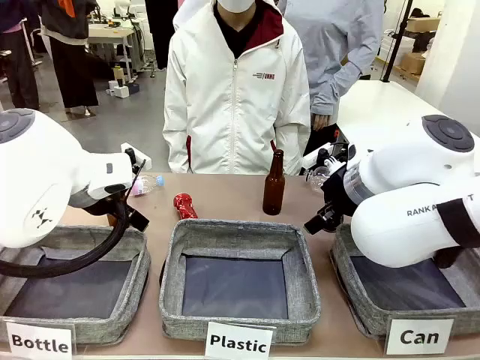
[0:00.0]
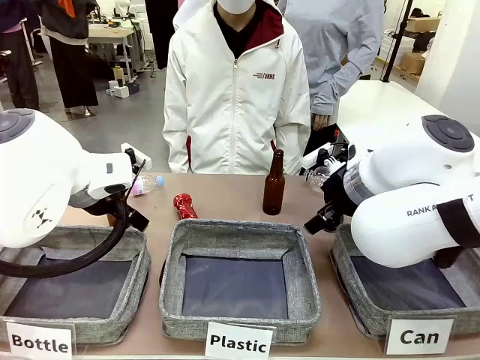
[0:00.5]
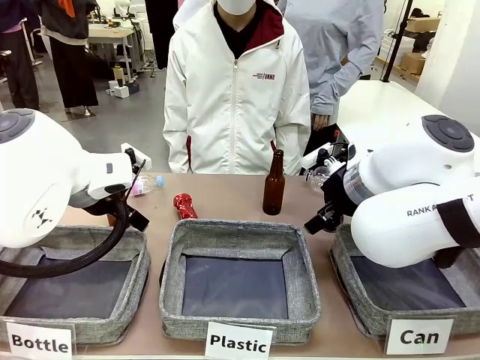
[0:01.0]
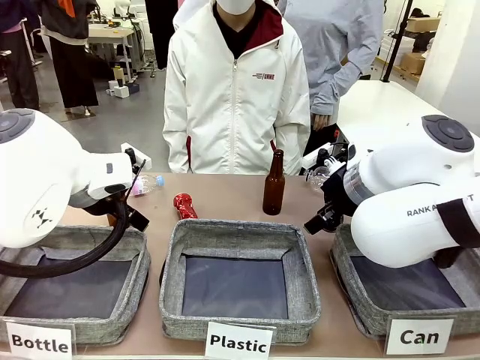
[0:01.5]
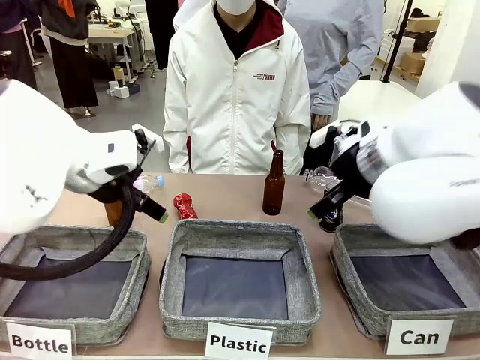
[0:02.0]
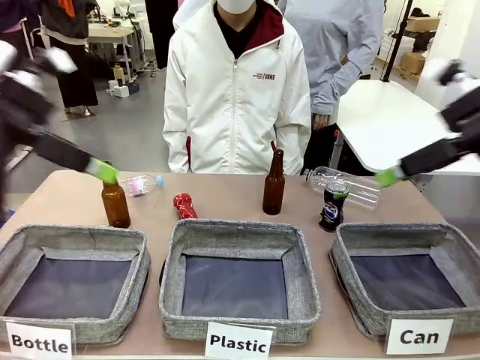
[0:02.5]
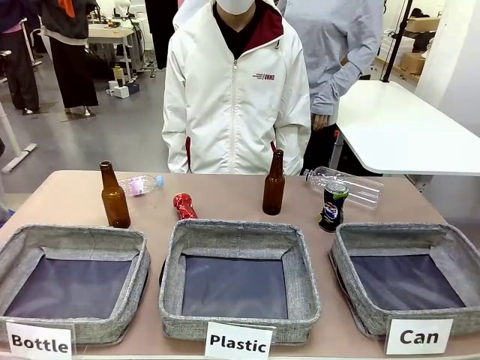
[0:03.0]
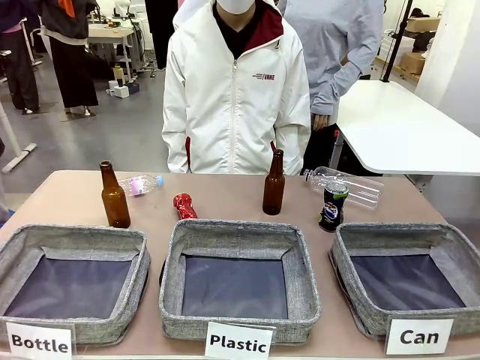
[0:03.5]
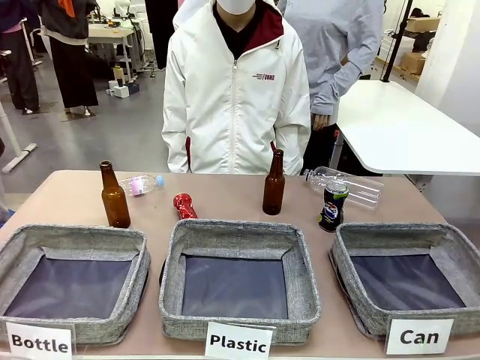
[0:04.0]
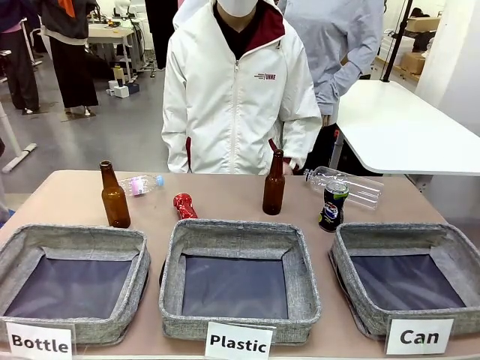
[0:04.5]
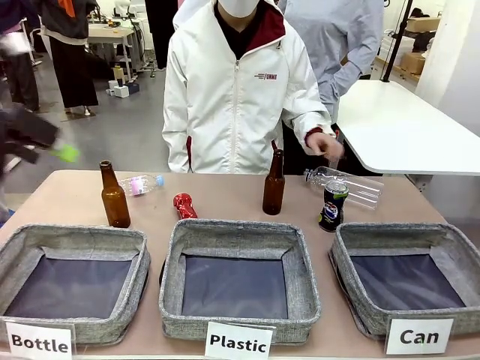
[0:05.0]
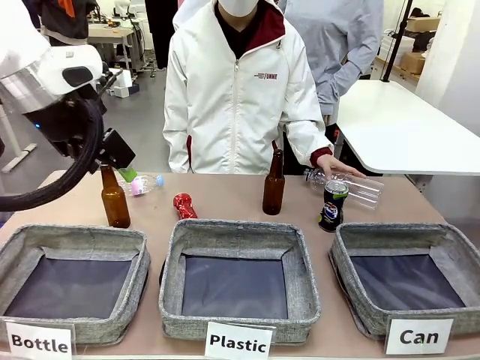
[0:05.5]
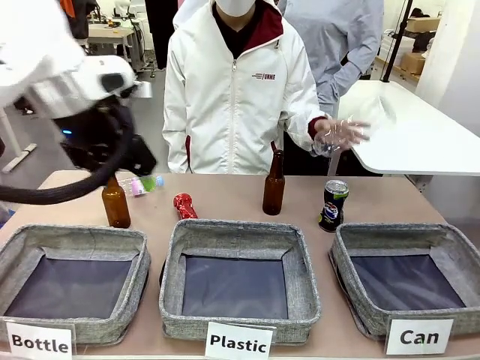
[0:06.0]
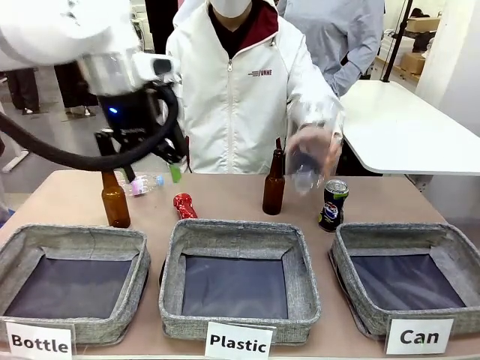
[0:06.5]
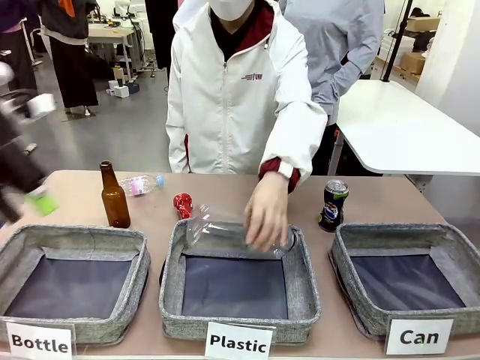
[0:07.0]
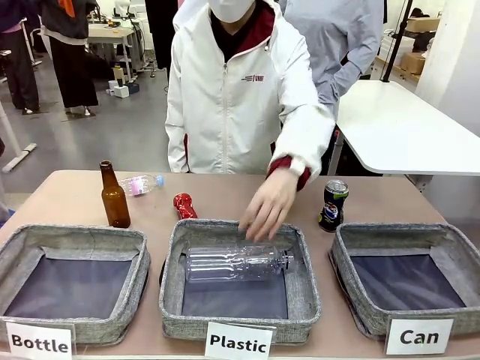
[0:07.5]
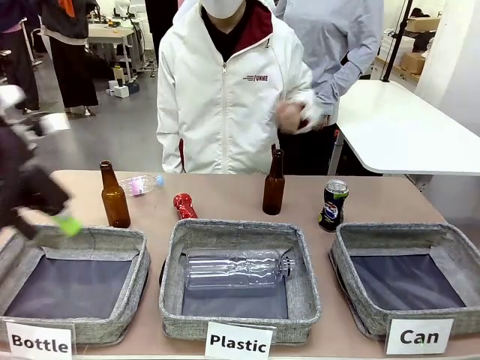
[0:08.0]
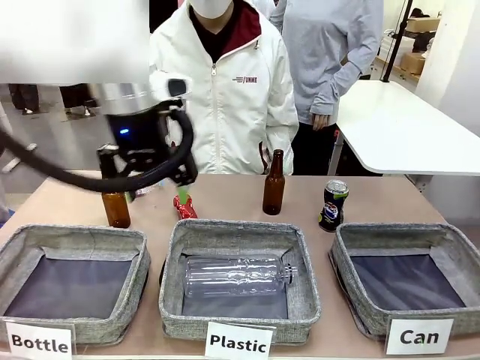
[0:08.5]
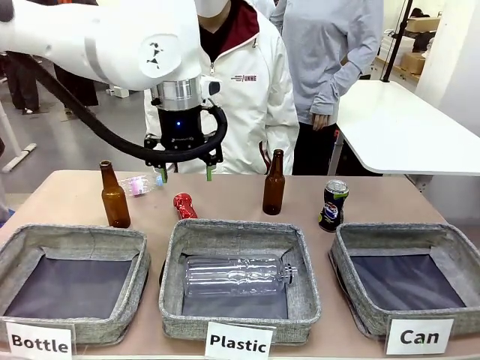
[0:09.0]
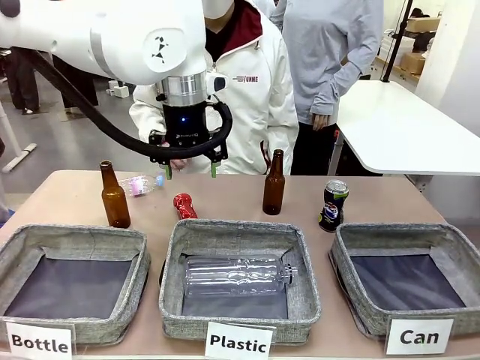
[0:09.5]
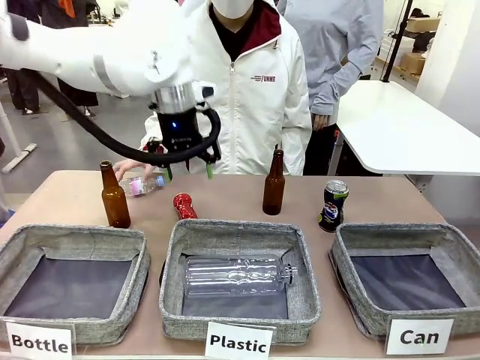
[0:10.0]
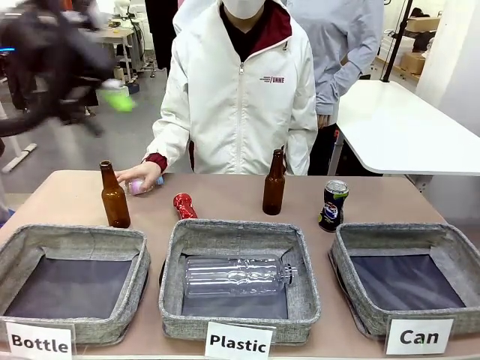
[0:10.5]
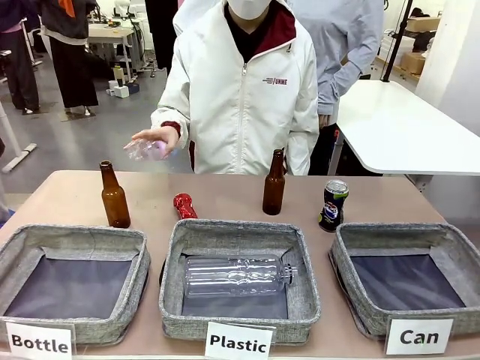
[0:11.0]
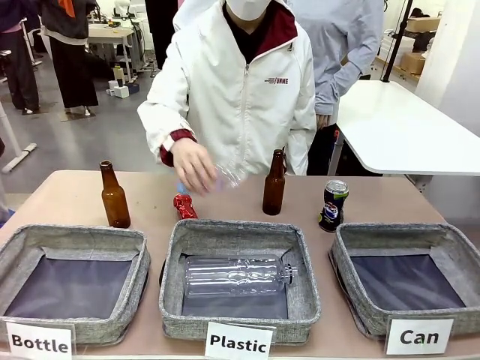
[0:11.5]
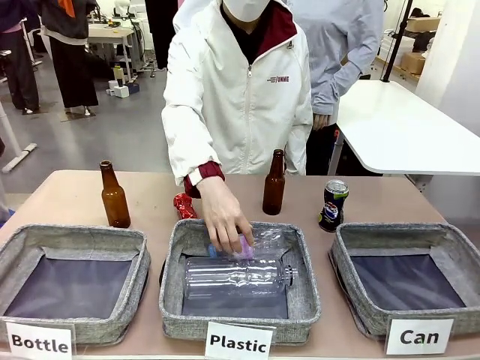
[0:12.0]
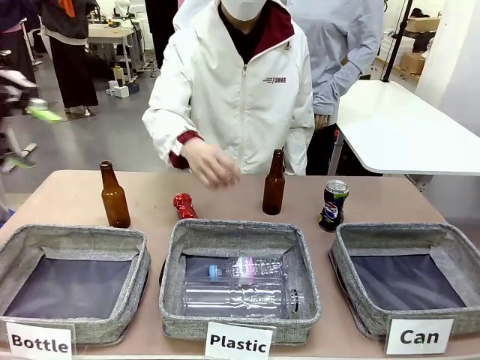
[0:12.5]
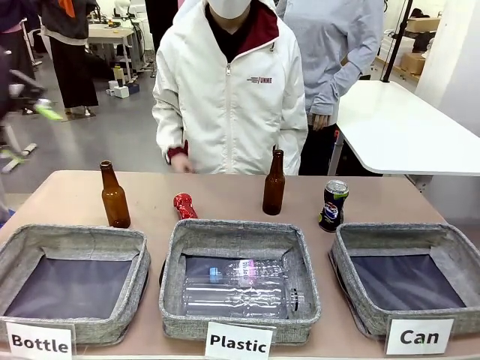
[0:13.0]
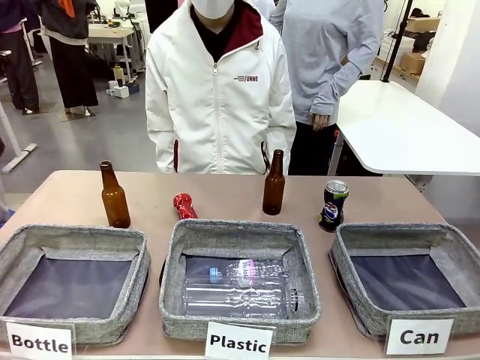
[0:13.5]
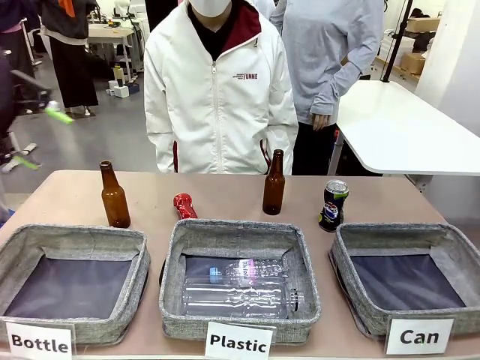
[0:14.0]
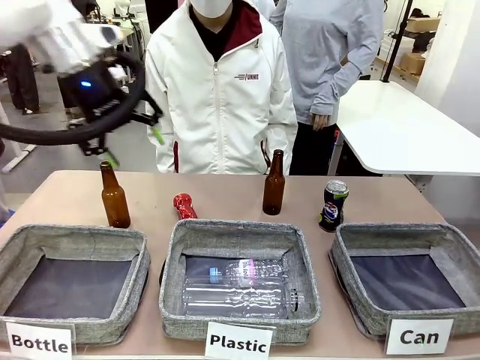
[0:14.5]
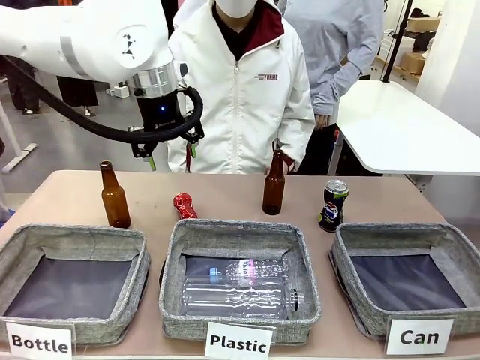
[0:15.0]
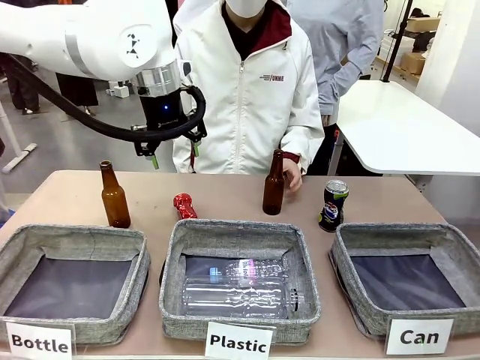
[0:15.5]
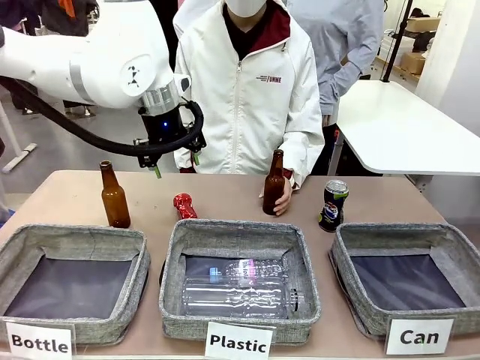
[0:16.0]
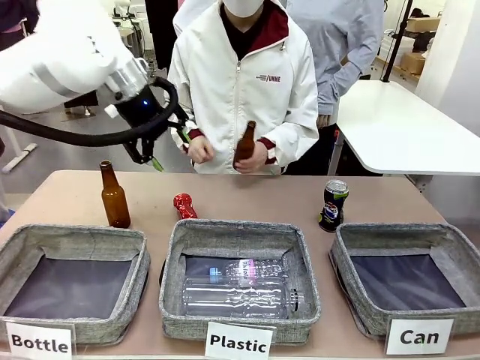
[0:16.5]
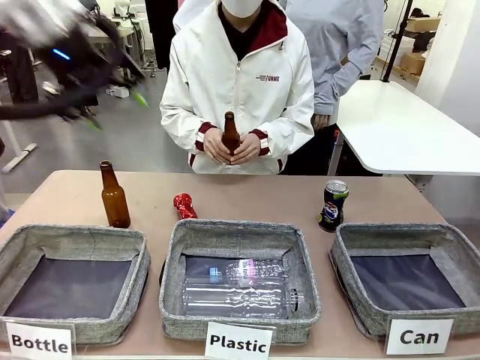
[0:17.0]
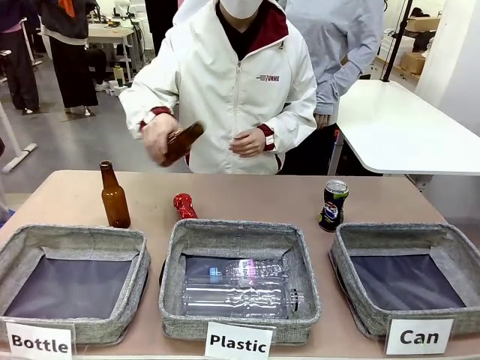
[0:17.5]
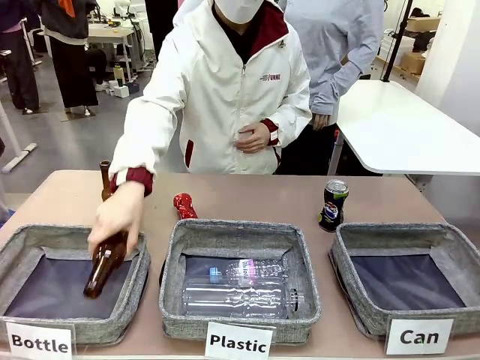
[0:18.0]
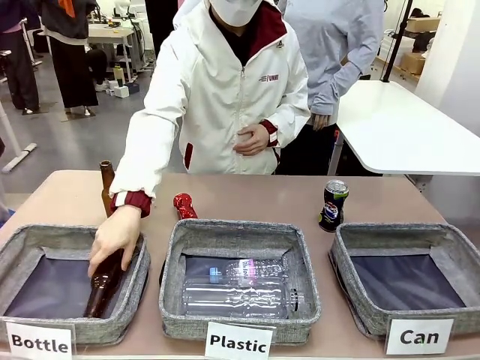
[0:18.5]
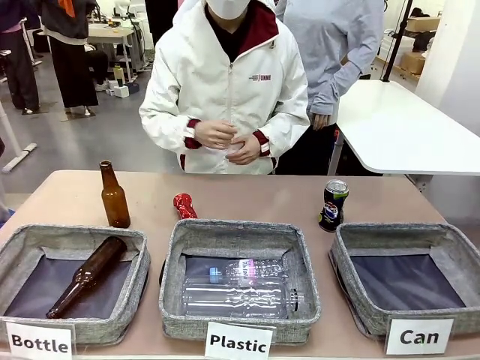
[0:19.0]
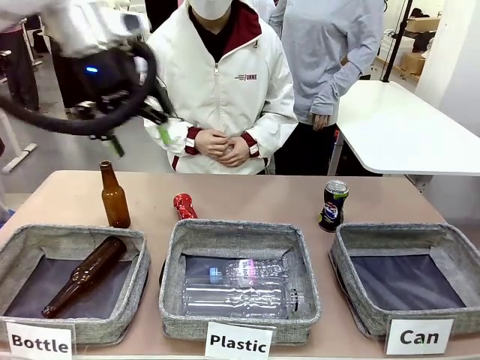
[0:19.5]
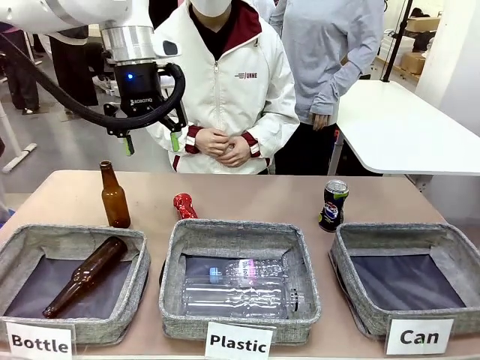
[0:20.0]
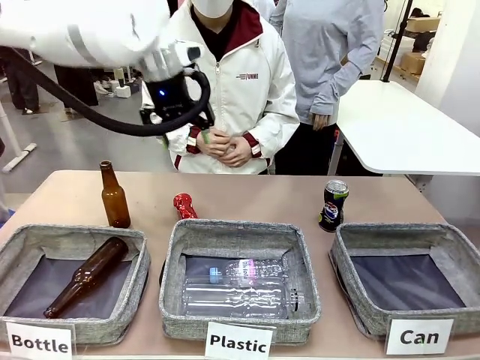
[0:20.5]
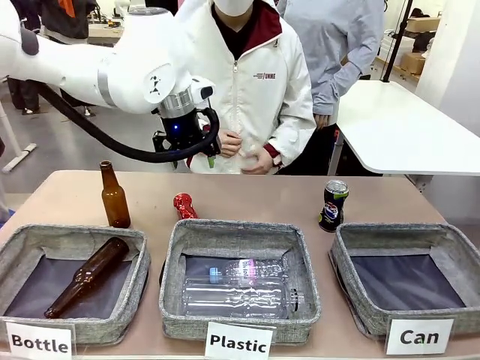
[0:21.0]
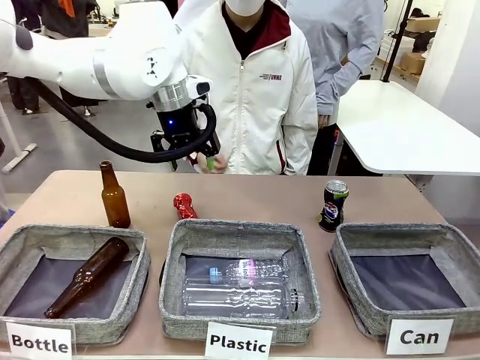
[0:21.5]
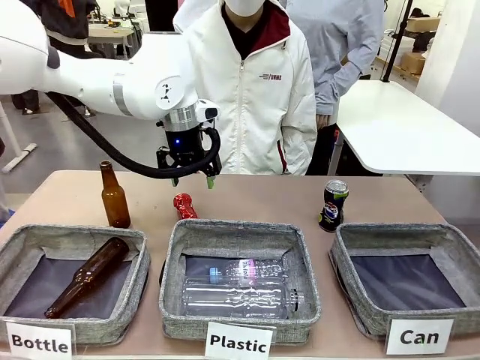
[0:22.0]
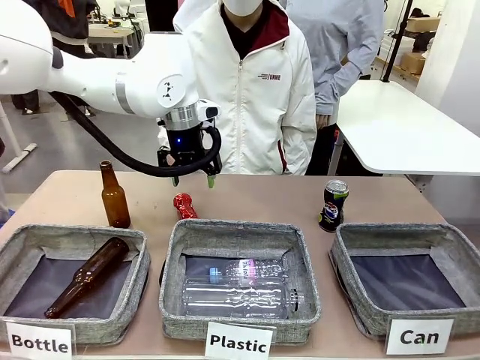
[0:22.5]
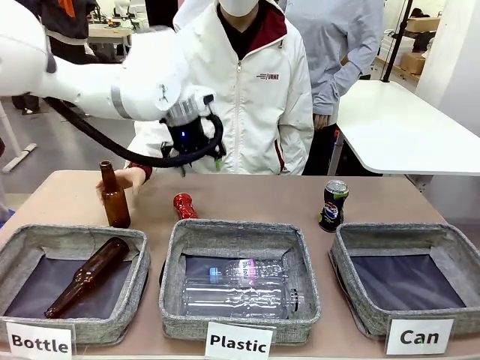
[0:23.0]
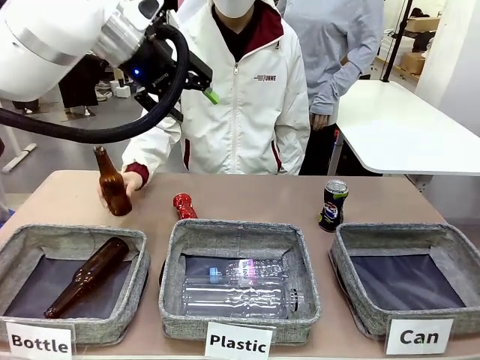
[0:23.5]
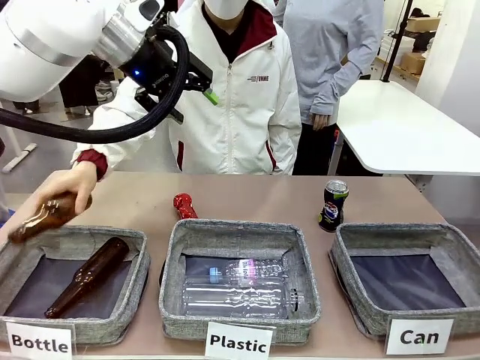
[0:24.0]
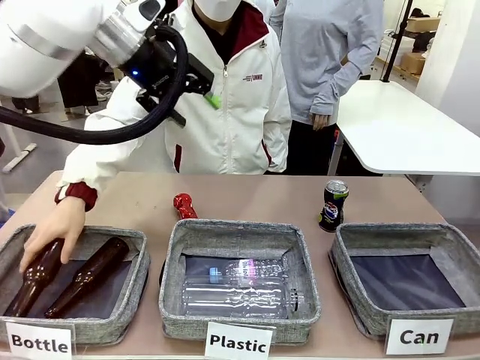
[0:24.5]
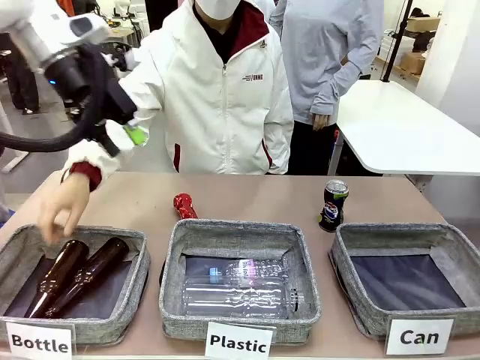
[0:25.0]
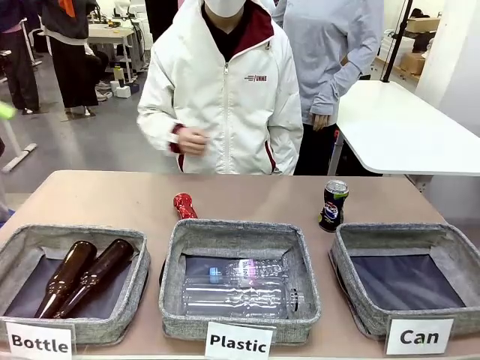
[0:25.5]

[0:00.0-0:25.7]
Task: Sort the can waste into the basket.
Robot: Pick up the can waste from the table and place it in the right Fabric basket.
